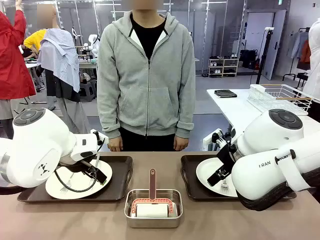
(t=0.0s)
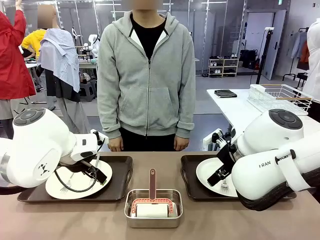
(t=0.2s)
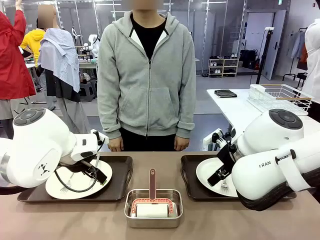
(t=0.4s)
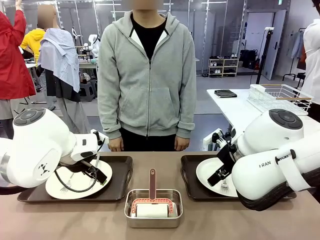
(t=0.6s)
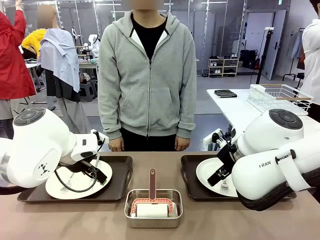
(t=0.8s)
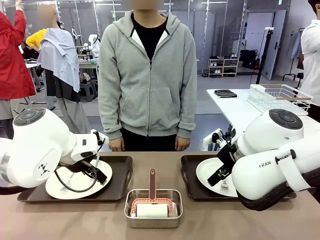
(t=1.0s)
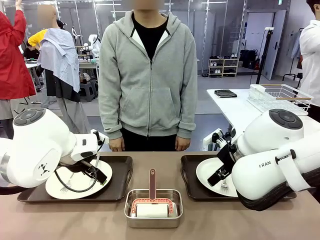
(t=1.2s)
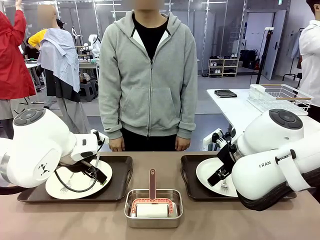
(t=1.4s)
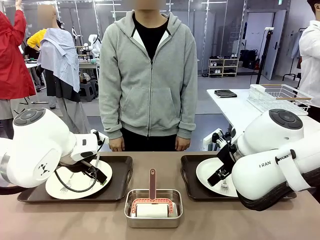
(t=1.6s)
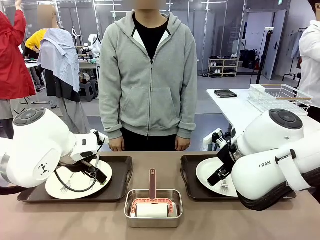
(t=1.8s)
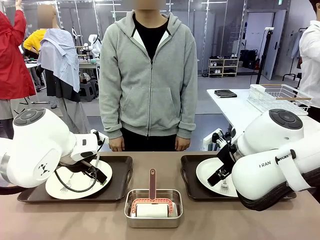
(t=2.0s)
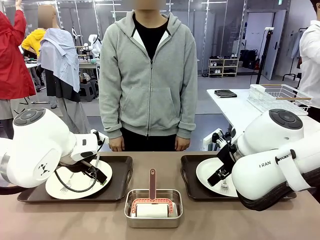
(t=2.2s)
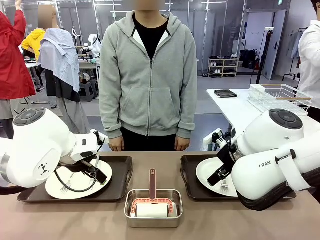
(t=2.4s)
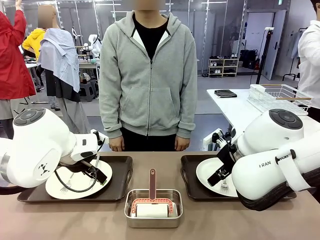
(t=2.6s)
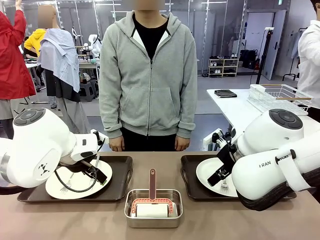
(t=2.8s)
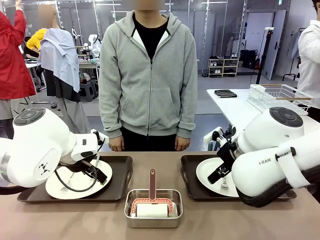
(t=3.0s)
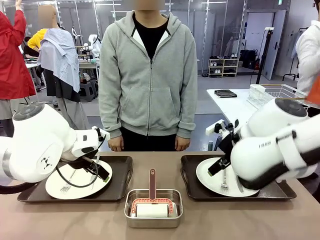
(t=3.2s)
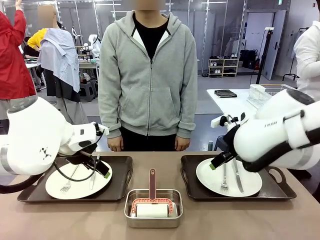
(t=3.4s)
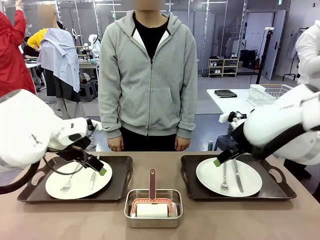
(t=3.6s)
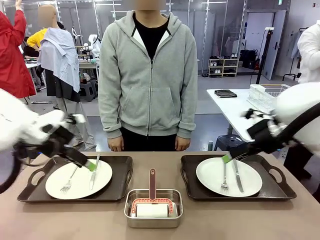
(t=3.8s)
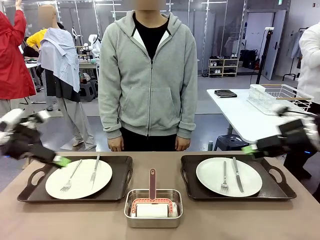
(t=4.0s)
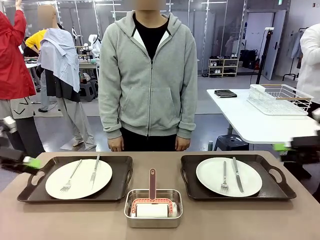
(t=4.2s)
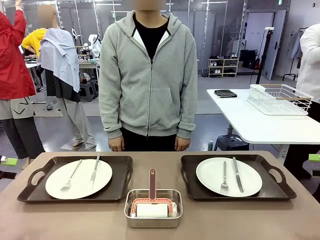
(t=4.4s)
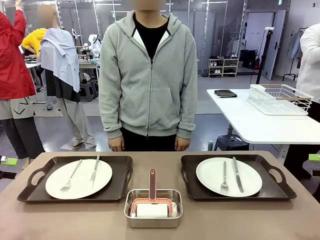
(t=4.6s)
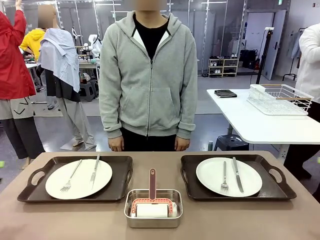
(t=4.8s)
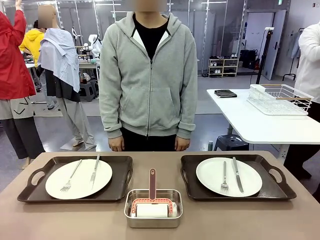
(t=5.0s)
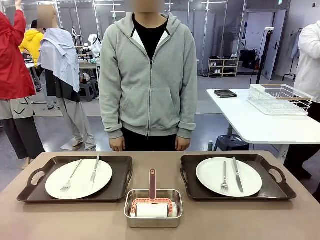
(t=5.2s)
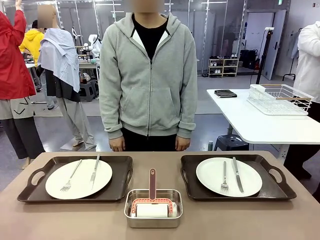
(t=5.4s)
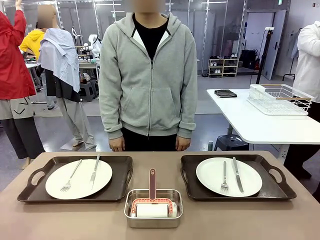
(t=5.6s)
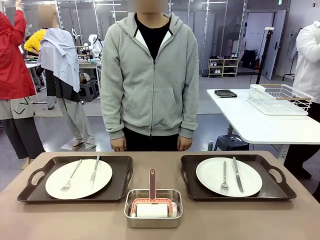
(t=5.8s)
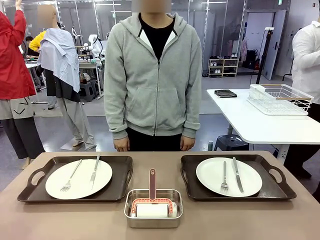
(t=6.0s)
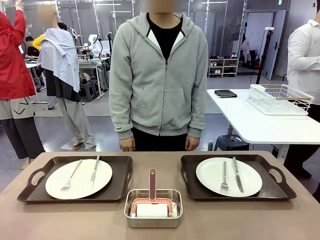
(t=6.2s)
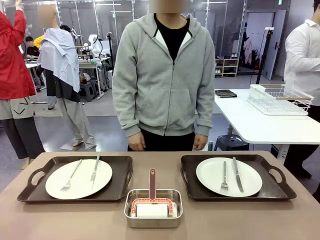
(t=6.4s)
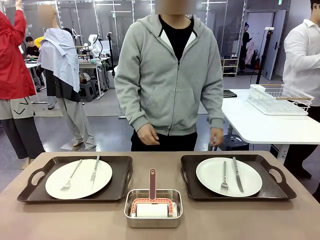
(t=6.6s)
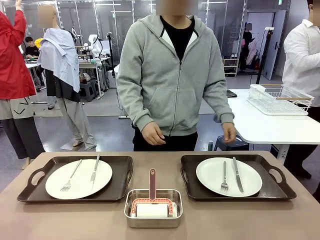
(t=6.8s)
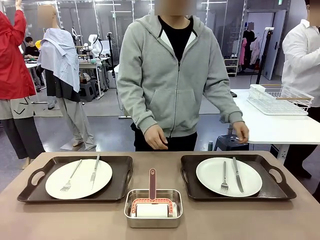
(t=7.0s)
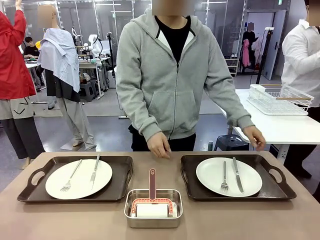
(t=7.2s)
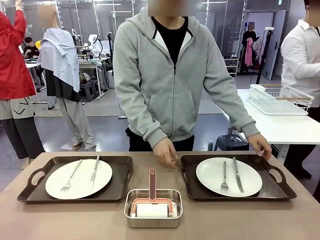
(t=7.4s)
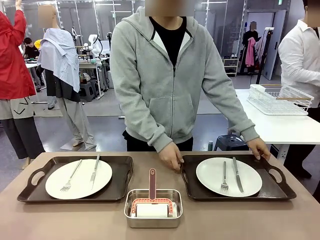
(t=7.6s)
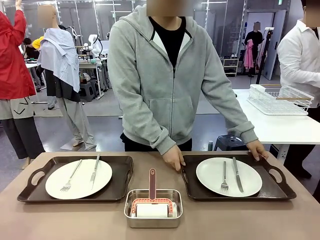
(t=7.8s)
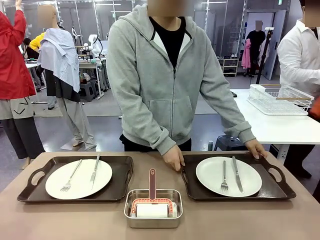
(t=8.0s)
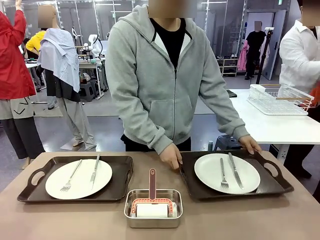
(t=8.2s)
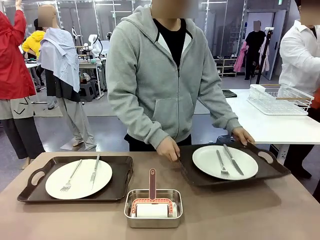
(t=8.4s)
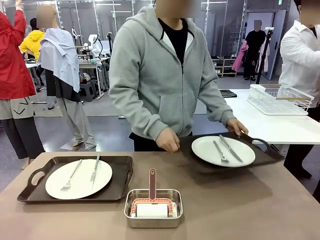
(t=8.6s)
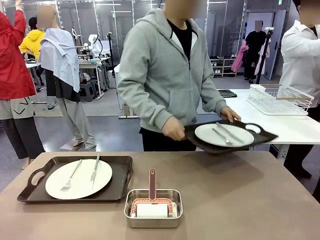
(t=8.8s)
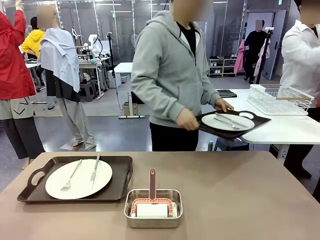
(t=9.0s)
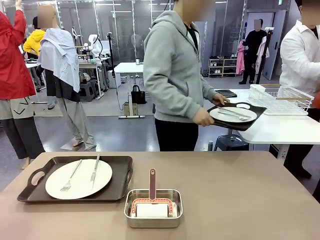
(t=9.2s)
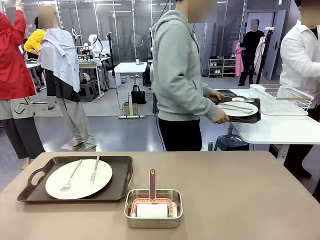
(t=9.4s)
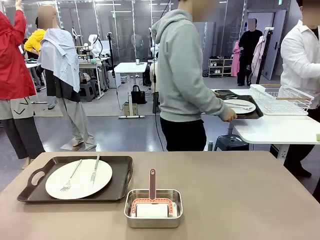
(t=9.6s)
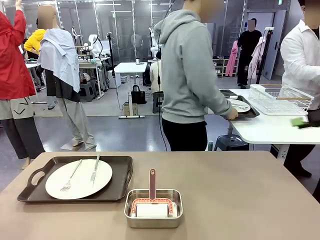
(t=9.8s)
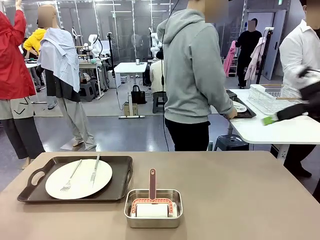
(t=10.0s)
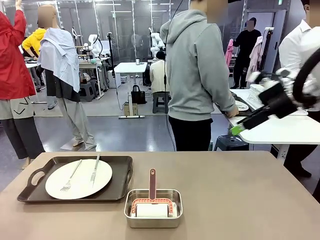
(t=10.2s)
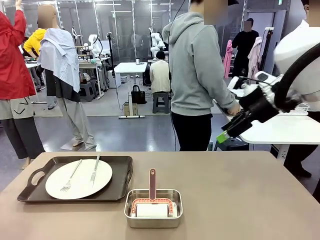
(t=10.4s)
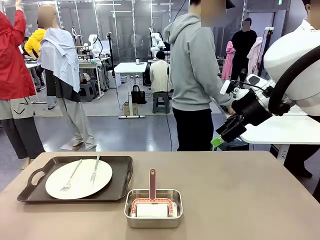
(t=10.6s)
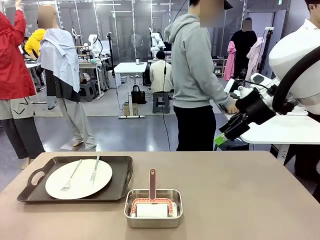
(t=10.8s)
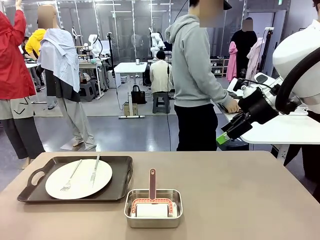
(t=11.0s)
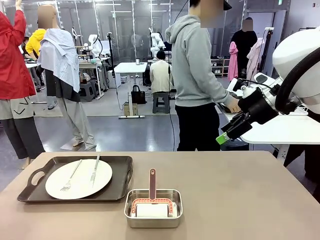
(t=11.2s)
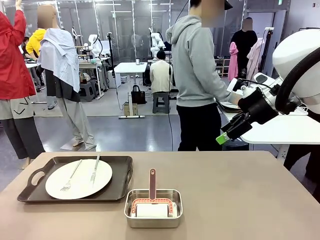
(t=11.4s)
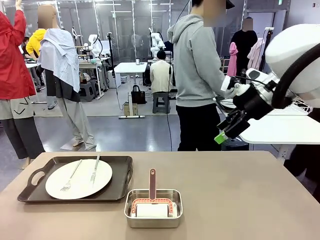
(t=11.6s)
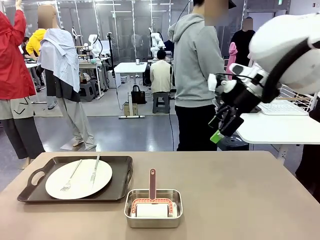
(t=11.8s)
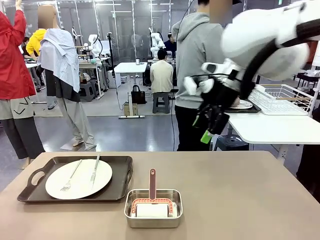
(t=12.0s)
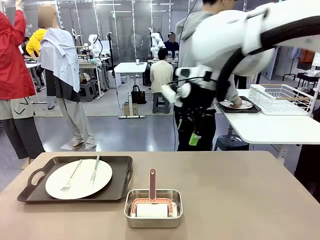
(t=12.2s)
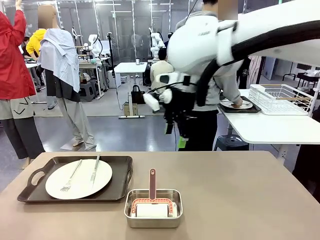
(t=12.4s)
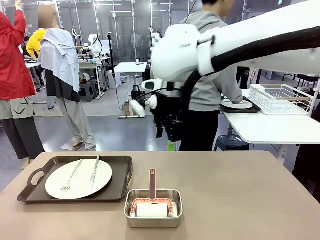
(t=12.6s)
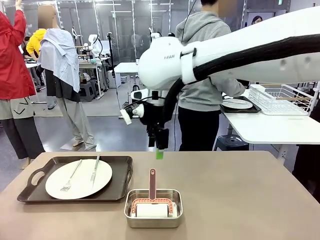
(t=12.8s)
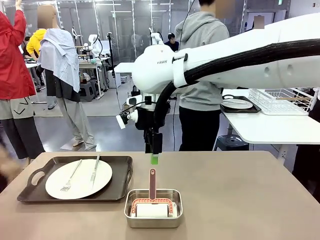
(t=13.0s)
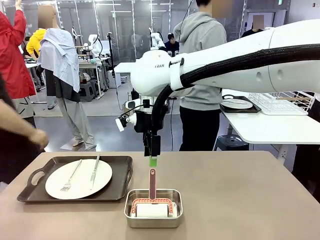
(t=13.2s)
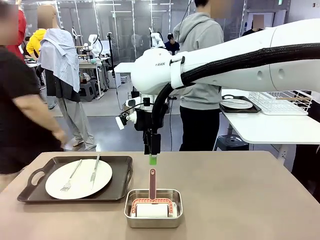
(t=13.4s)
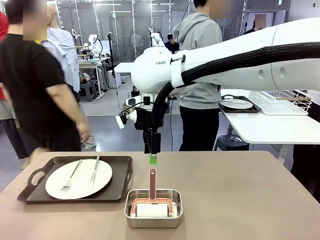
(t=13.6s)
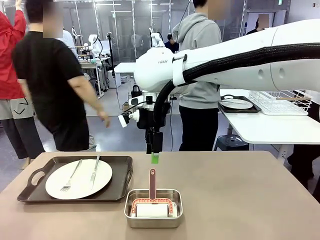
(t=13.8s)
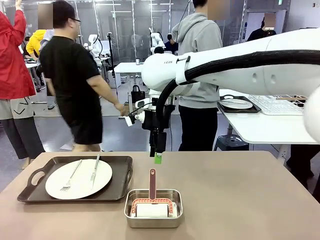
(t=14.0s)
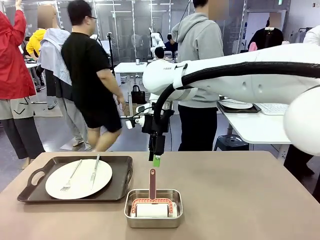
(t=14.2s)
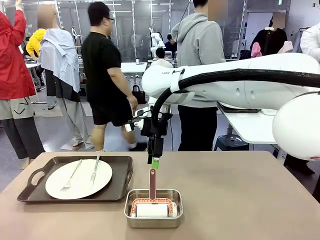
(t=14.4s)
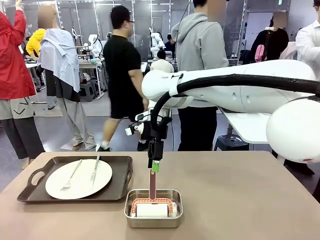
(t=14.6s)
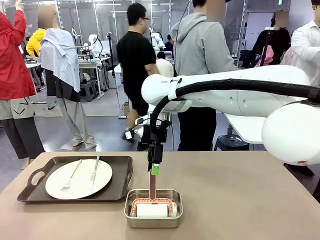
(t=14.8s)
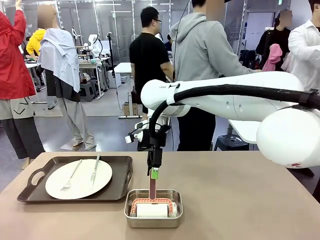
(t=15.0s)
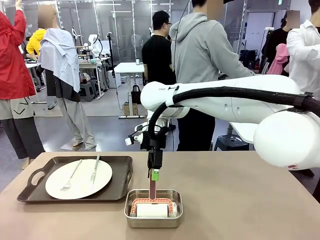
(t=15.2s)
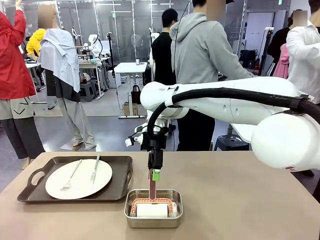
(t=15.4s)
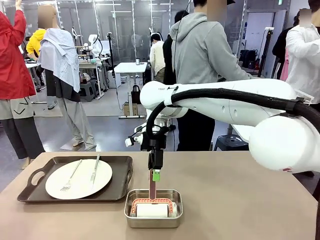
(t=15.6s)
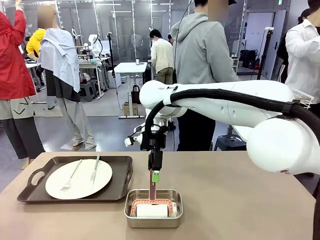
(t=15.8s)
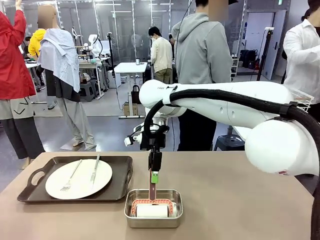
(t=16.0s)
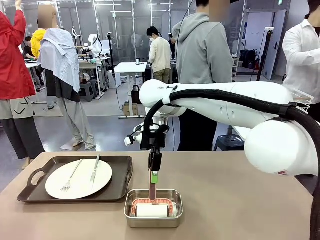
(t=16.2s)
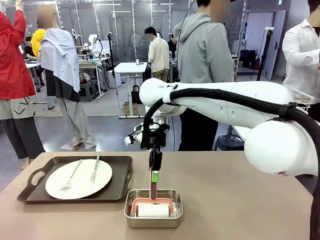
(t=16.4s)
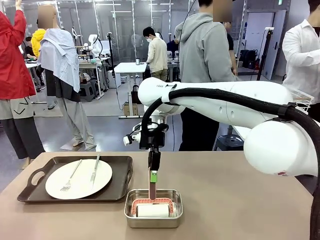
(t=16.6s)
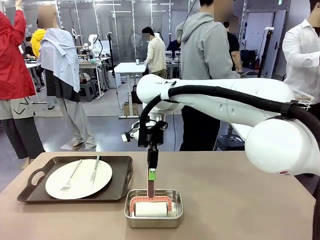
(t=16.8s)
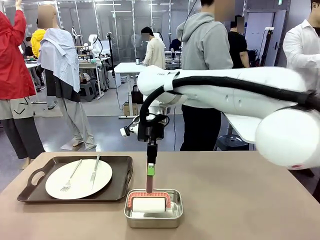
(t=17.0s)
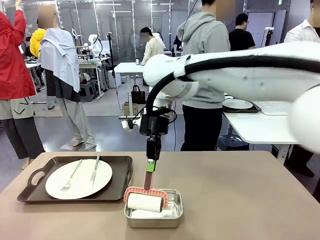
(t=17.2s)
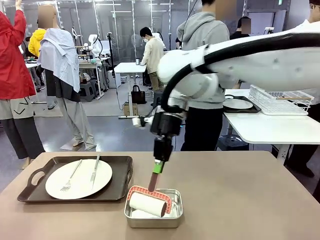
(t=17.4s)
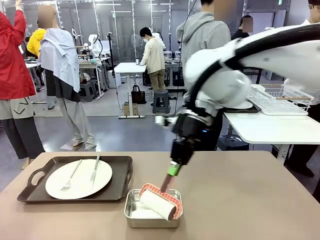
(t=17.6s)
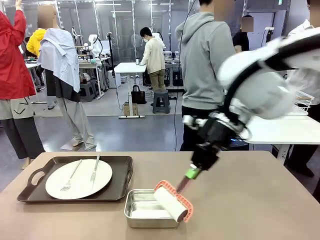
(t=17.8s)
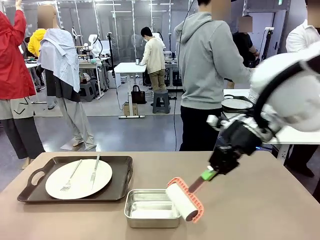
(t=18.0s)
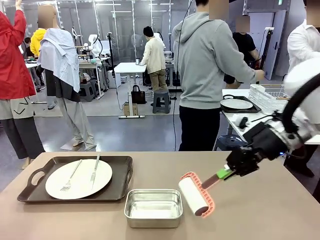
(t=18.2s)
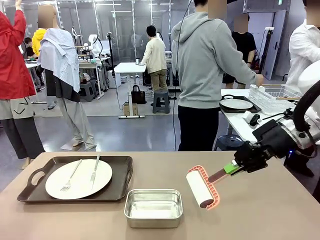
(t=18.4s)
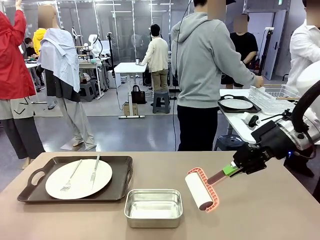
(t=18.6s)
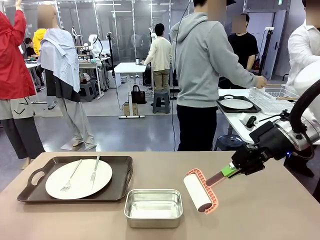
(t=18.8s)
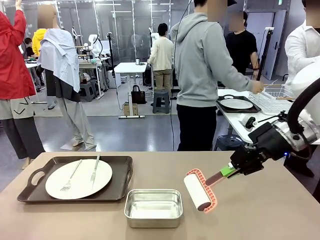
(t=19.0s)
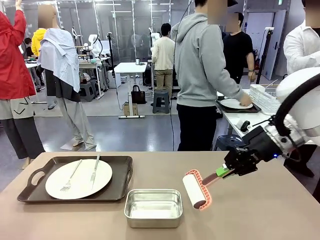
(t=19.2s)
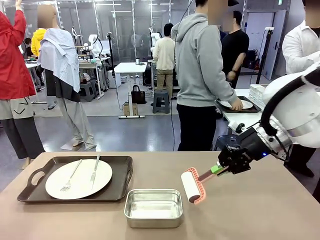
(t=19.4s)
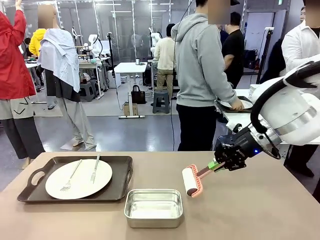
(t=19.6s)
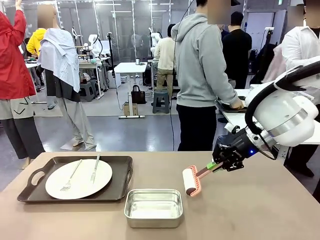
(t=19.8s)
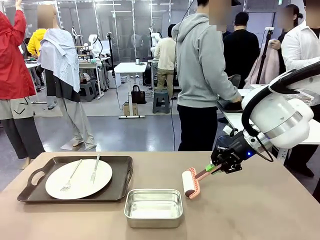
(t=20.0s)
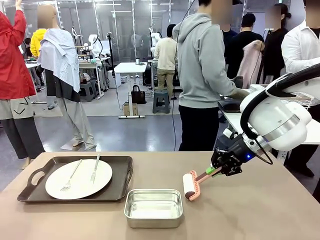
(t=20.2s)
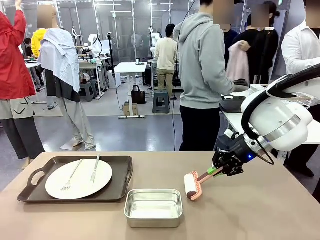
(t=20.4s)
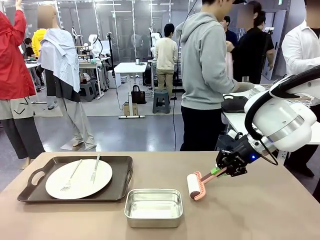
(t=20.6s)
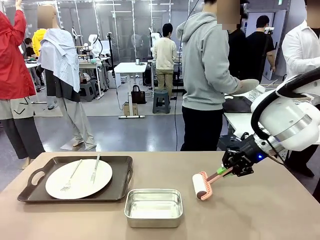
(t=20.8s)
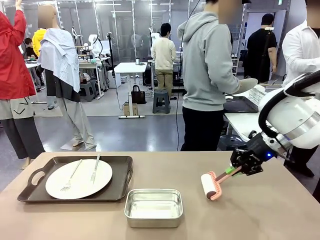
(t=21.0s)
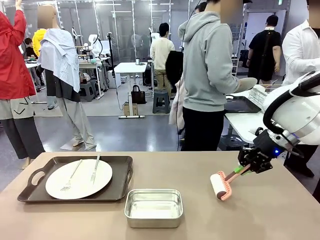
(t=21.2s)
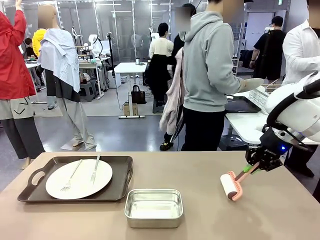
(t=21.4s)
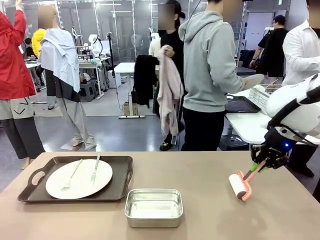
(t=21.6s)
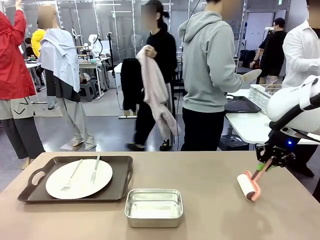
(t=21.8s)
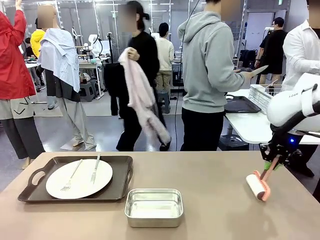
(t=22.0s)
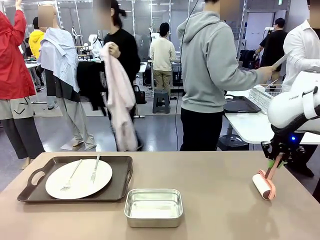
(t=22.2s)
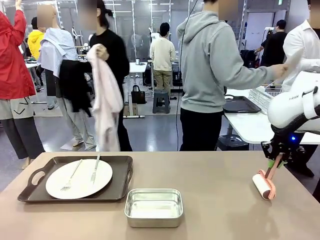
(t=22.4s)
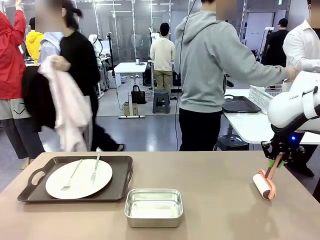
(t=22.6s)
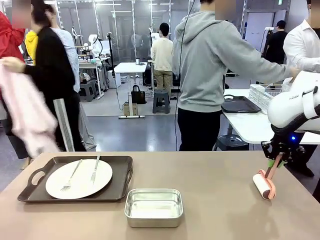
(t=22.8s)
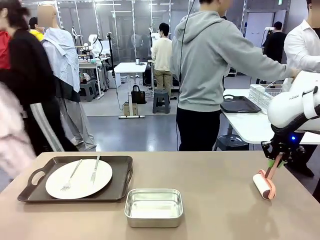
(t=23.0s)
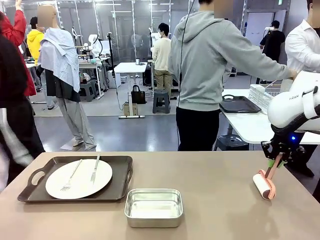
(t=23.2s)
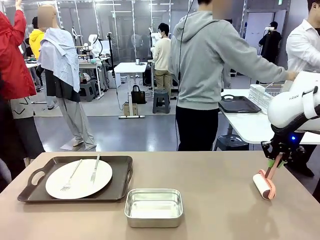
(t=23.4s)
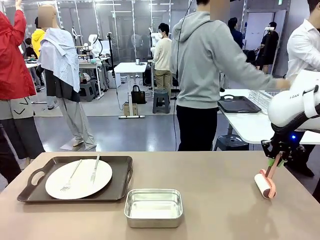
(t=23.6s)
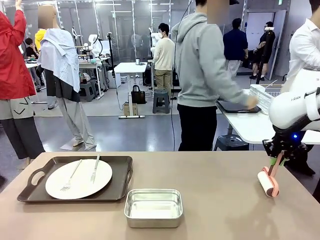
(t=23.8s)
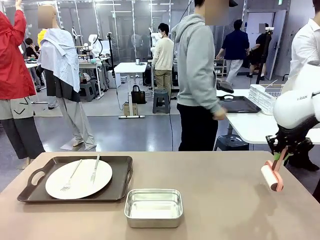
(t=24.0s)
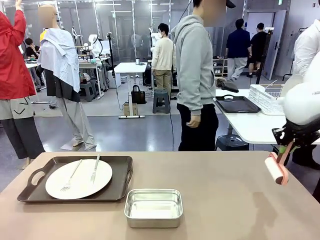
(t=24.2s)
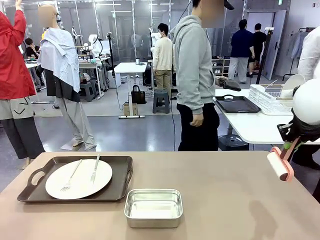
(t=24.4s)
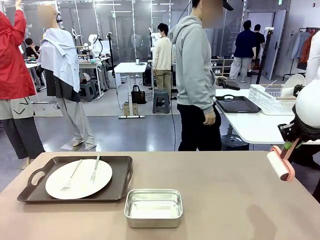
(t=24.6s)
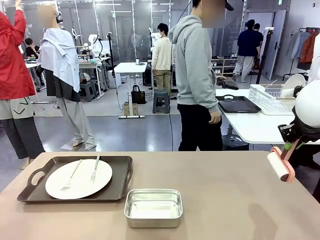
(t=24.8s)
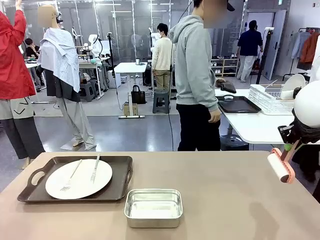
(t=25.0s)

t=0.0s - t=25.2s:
Robot: When the left (or right) Handle tray is removed, use the left hand (or right hand) to clean the left (or right) side of the table with the Lint Roller.
Person: Pick up the left (or right) Handle tray and place it on the middle of the Human's table. Use the Towel with hook to wipe the Plastic Matte Plate , Fork , and Knife and place into the Dish drying rack.
